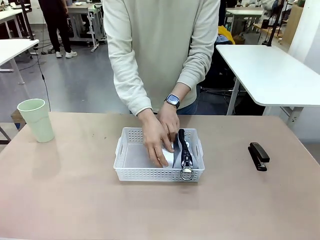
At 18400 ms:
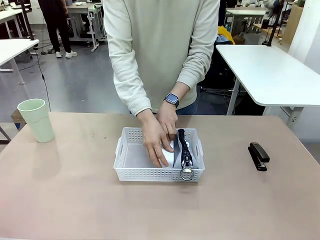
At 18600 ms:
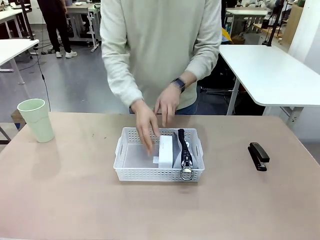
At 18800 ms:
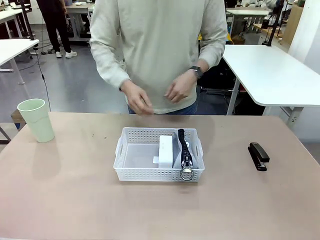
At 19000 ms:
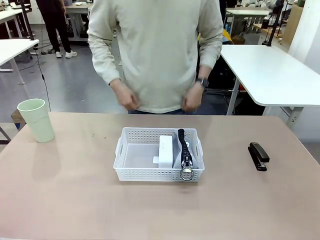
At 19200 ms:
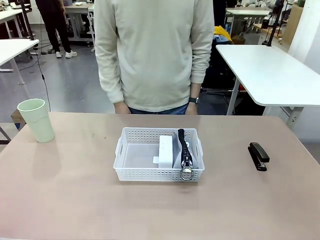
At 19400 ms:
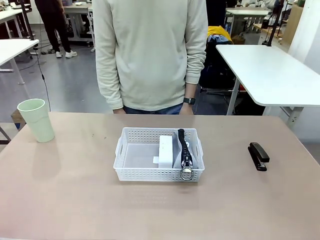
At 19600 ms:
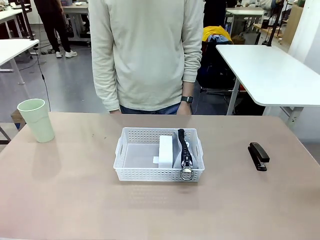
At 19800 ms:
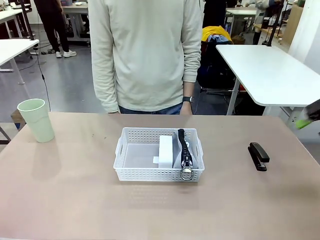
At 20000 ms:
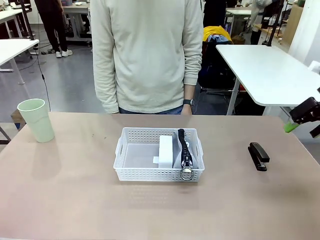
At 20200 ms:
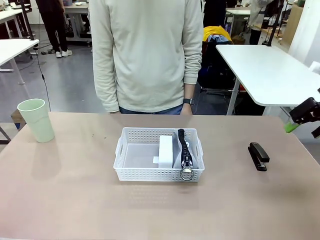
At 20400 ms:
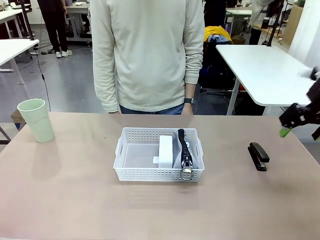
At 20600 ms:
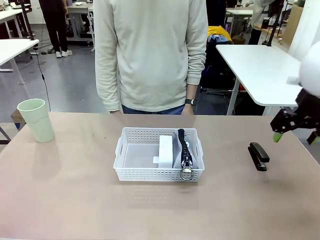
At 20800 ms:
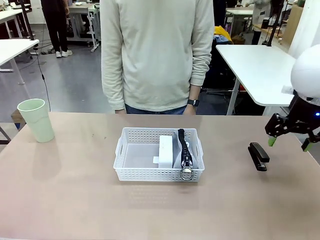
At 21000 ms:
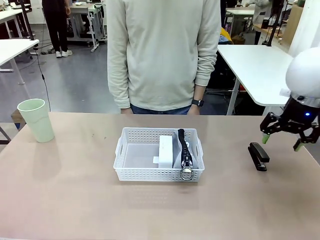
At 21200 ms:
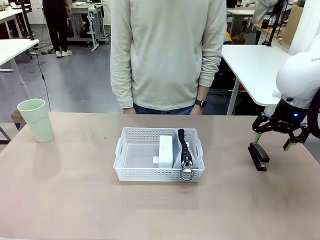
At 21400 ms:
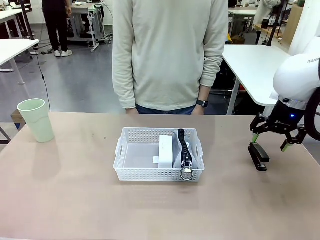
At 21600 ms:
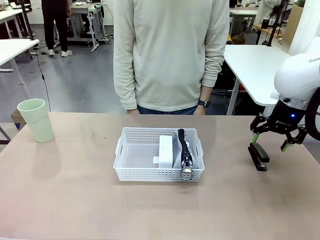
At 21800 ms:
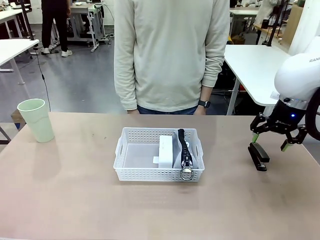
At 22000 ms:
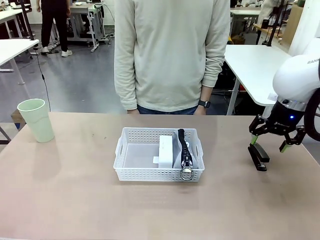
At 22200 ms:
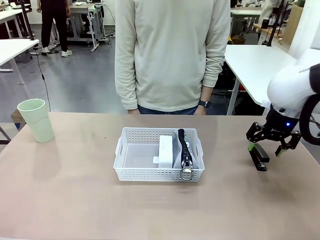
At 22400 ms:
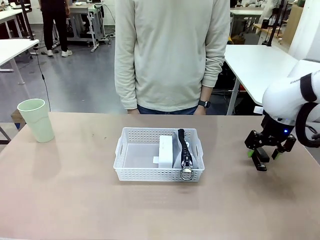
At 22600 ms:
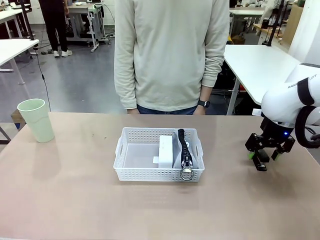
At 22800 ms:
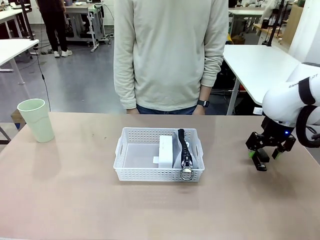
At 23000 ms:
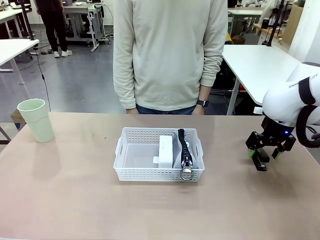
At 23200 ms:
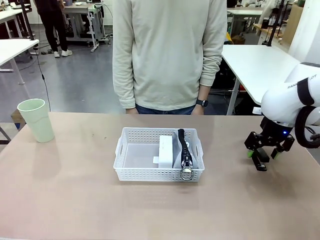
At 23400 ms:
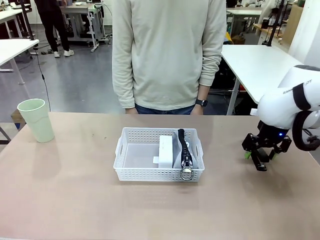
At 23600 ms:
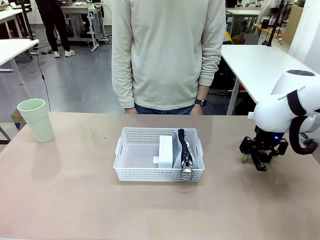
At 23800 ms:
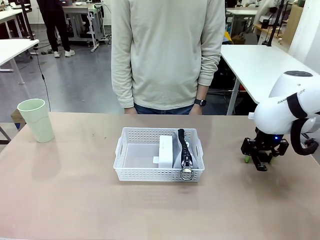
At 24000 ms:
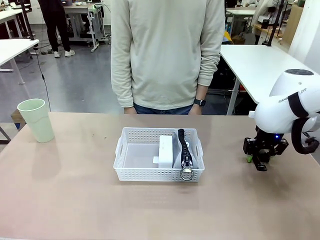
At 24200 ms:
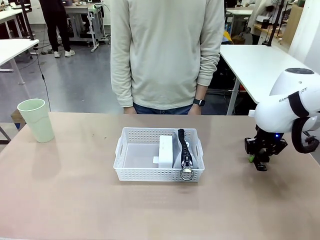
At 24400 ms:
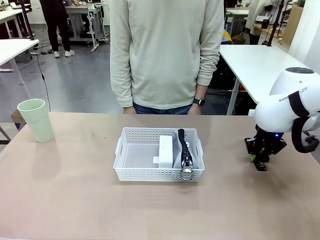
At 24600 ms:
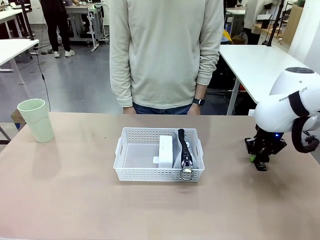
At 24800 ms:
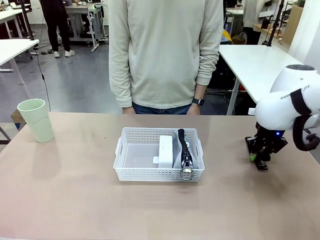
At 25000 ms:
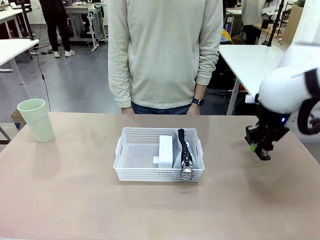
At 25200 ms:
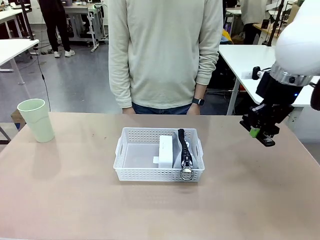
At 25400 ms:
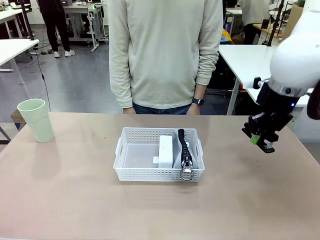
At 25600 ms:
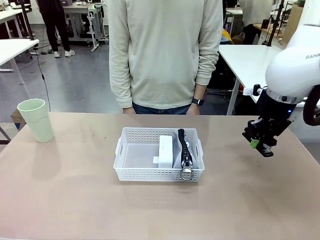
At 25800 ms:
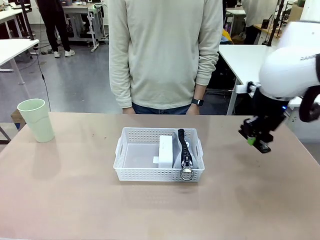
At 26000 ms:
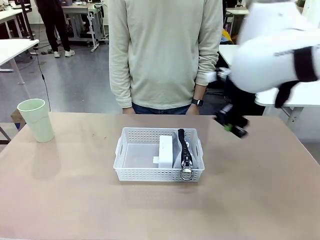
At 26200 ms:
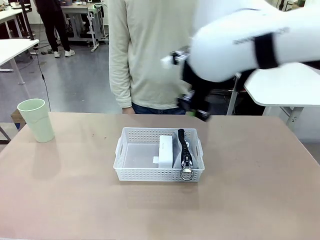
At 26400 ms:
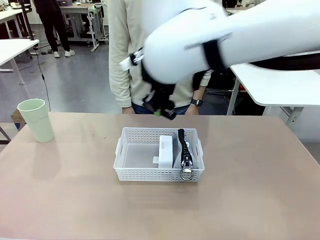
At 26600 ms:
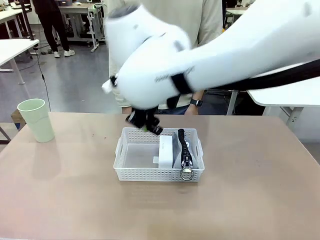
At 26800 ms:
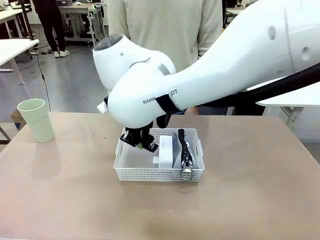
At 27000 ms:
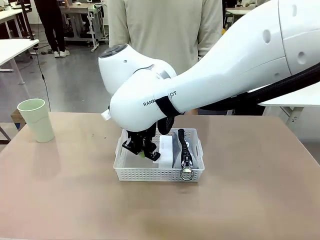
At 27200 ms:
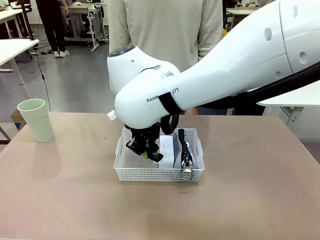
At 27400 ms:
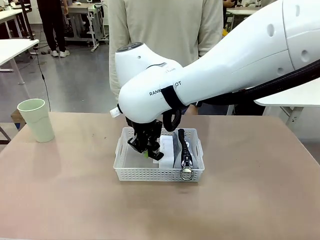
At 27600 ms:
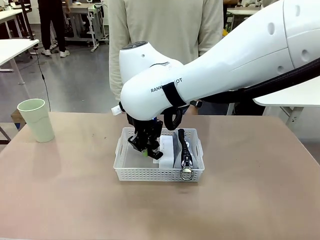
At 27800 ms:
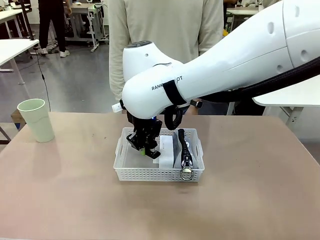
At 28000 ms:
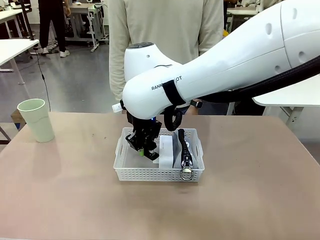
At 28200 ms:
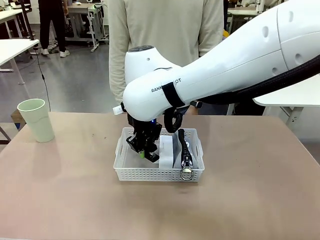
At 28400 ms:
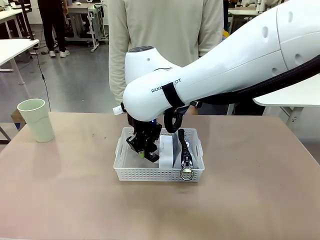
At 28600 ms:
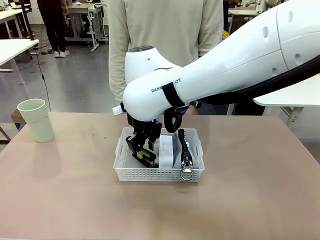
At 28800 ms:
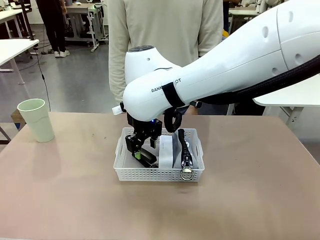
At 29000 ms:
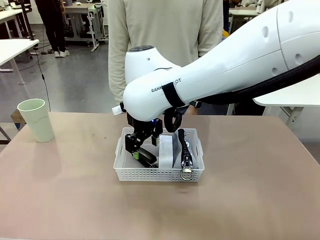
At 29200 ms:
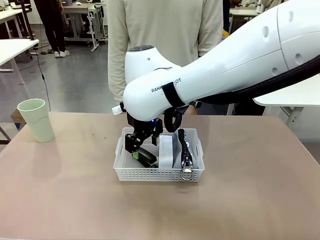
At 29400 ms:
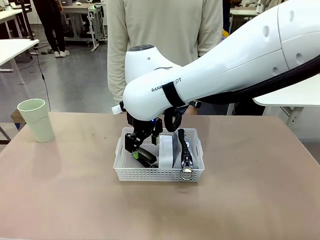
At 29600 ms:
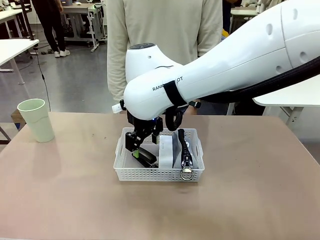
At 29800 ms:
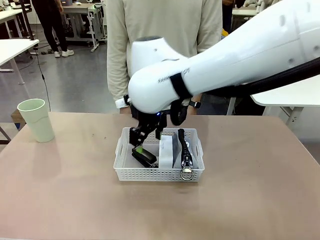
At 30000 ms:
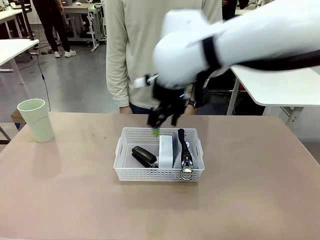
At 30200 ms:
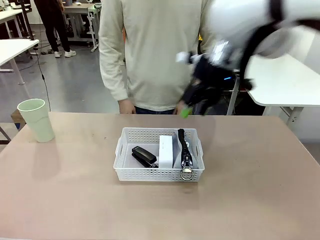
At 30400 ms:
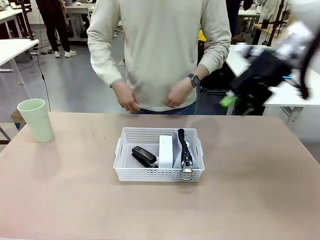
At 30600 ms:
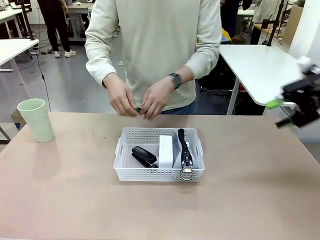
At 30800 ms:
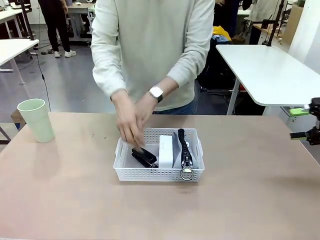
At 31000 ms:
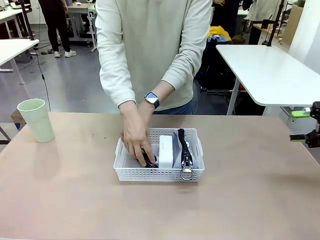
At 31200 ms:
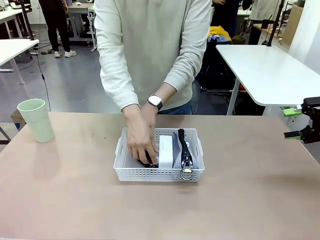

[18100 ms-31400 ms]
Task: Efficiently arrange items inside the basket to fit them all.
Robot: Pick up the Stapler and place it inside the Organizing basket.

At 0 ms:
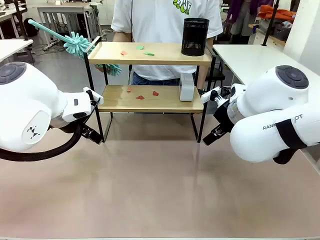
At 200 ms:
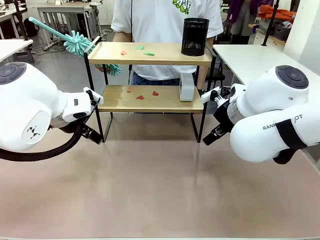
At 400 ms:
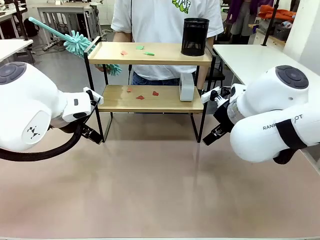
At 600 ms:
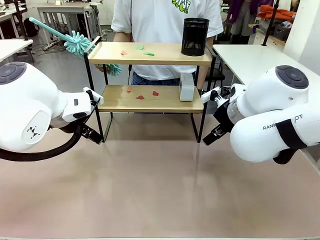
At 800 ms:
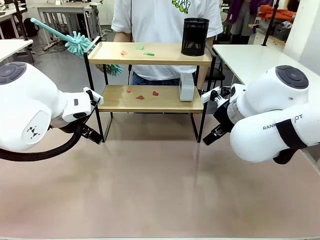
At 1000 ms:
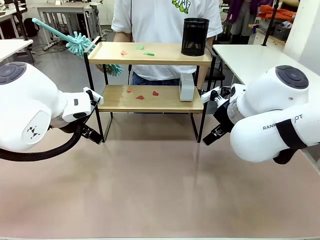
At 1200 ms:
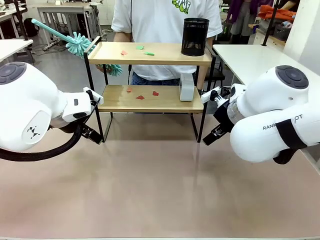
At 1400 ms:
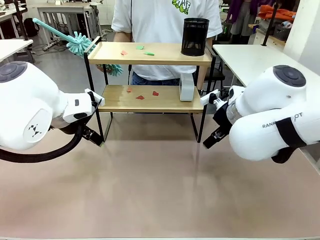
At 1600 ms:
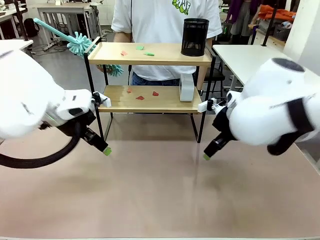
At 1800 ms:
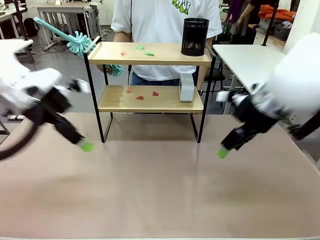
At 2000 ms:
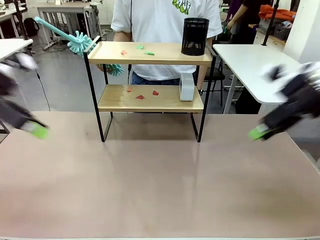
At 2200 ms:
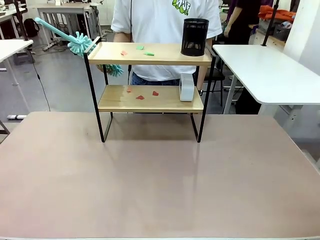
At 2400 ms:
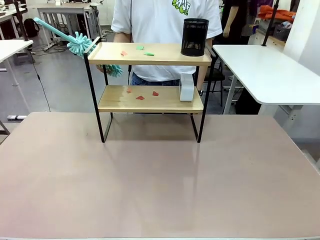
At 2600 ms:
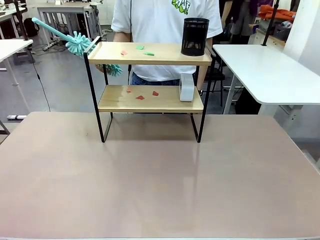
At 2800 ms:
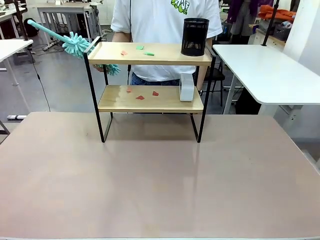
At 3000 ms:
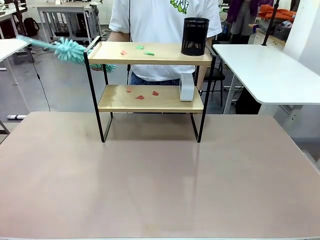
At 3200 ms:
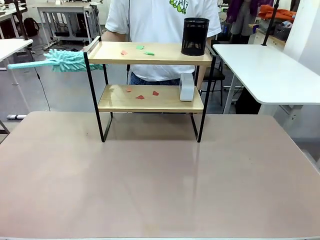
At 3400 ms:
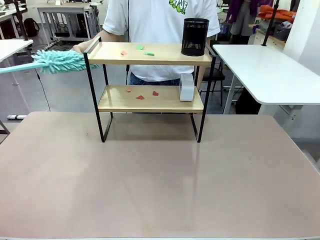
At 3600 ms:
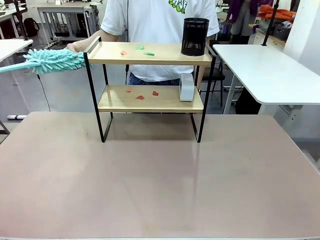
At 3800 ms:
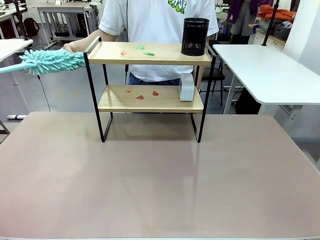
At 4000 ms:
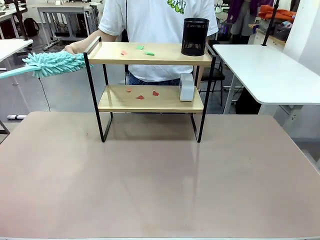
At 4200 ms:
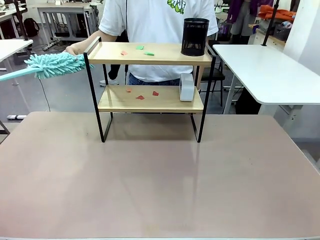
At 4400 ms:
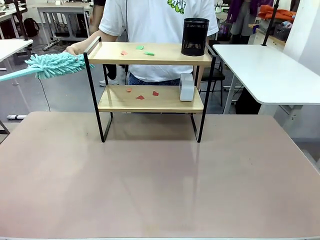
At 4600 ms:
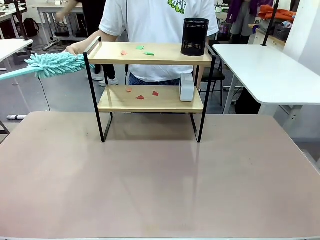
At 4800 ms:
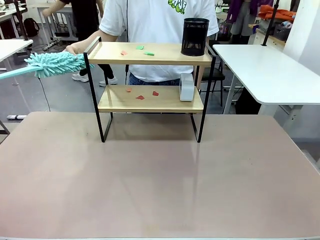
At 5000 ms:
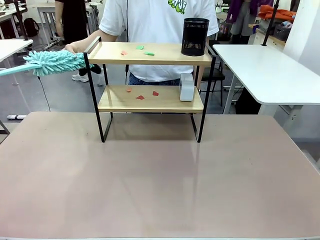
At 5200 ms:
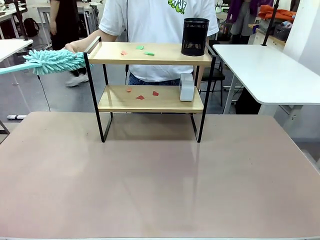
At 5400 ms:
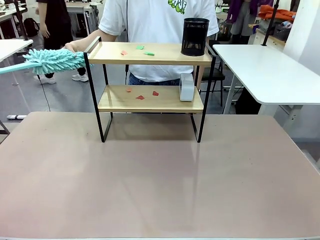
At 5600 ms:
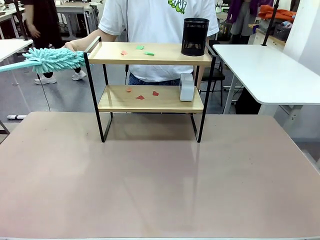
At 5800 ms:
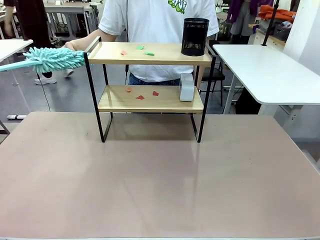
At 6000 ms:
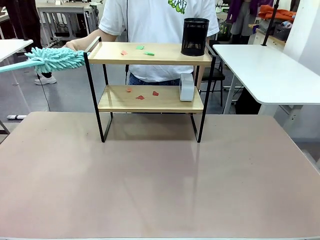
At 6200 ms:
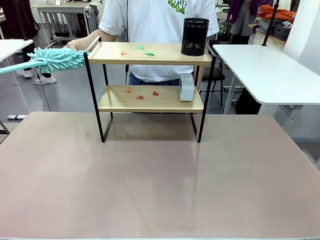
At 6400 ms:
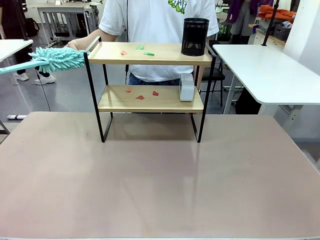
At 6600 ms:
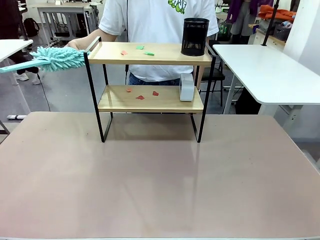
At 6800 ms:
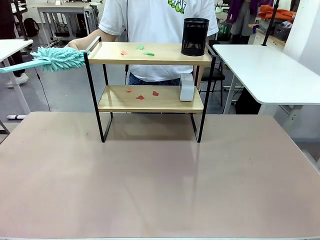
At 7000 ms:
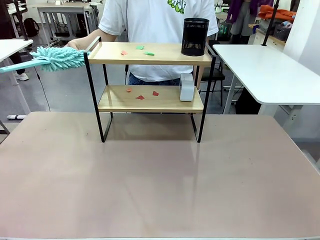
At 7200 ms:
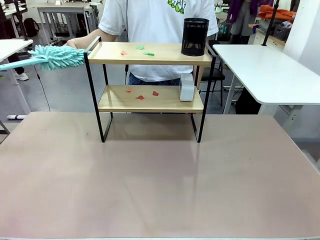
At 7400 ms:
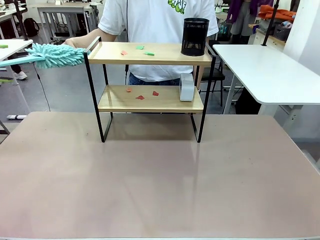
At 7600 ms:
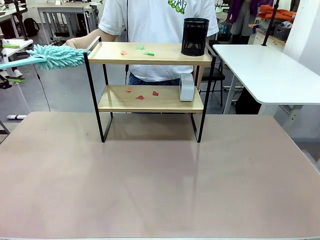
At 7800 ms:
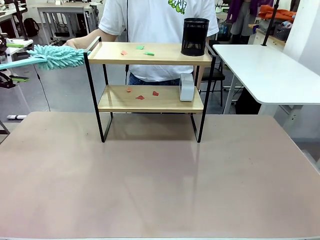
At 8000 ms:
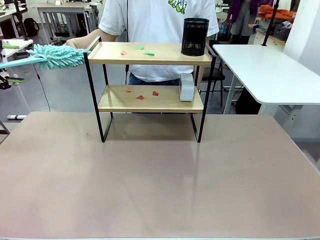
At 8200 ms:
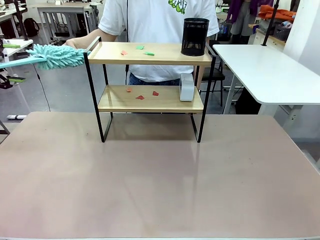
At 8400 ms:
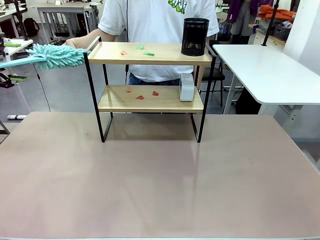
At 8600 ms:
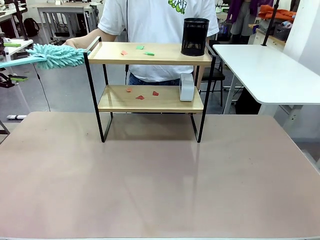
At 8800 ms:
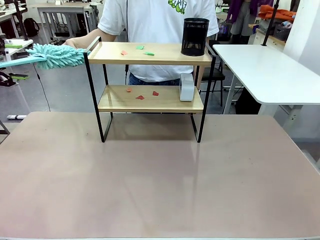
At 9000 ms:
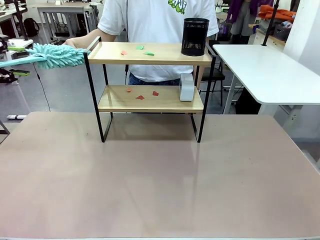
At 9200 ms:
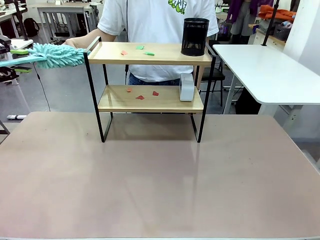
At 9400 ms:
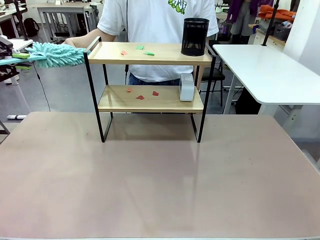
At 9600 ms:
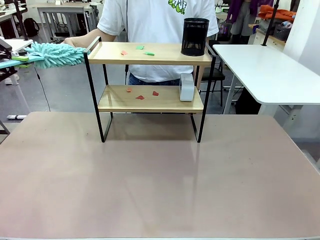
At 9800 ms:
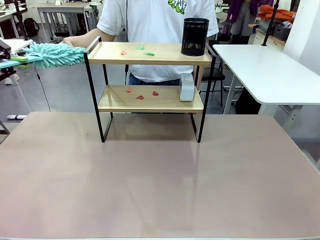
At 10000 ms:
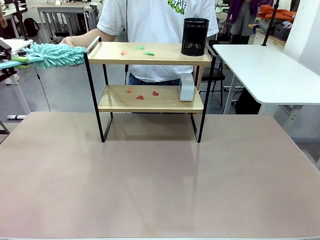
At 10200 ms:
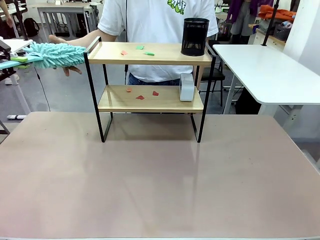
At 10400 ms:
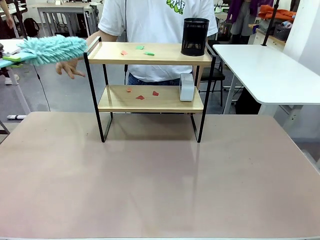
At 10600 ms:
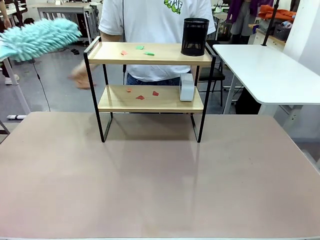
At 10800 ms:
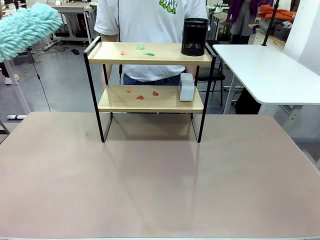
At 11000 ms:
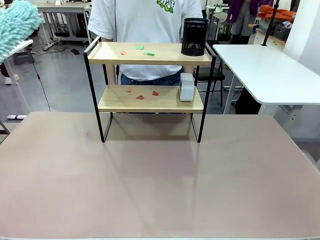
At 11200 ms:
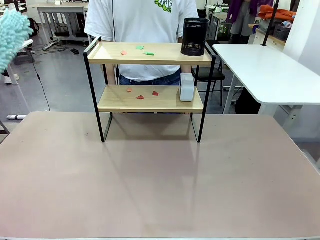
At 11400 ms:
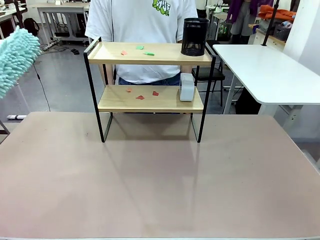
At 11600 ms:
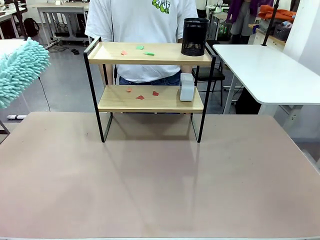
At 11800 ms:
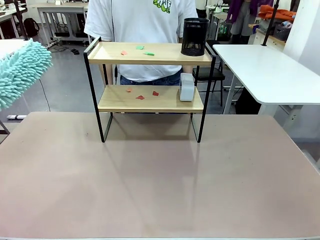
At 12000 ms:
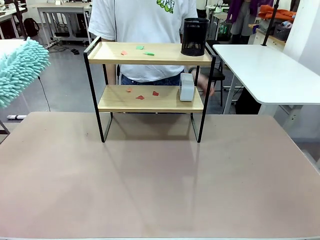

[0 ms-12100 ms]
Task: Clean the shelf.
Robot: Pick up the Duster from the human.
Person: Hand the Duster to the robot.
